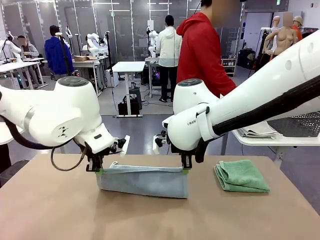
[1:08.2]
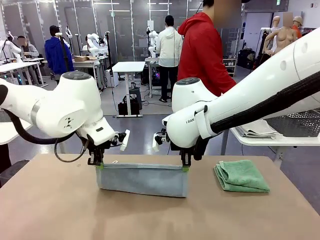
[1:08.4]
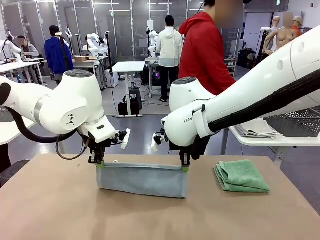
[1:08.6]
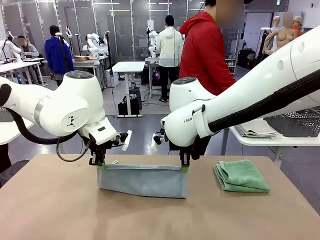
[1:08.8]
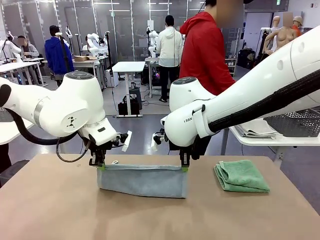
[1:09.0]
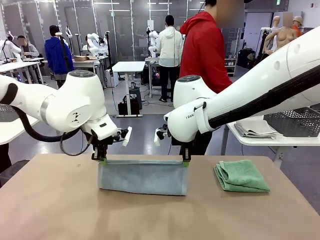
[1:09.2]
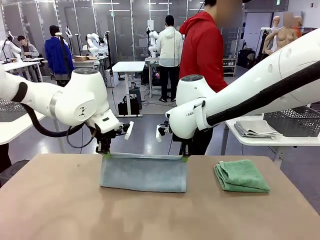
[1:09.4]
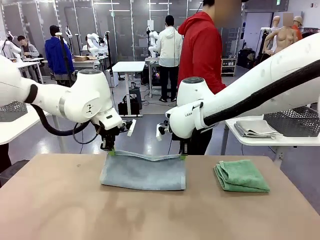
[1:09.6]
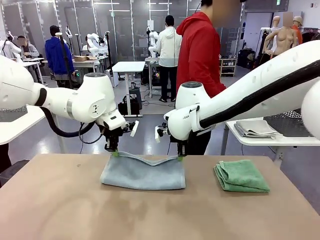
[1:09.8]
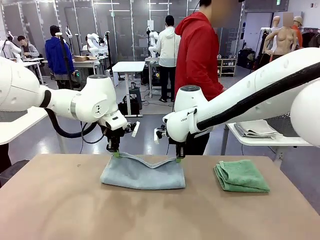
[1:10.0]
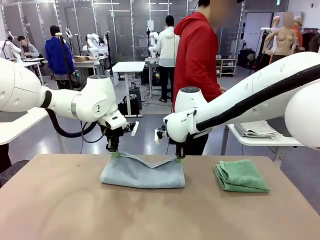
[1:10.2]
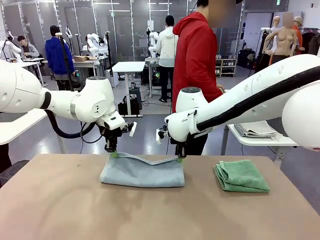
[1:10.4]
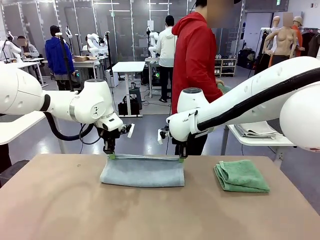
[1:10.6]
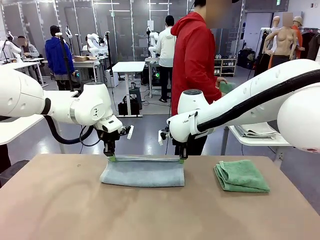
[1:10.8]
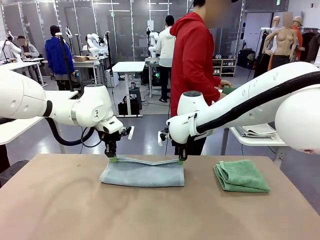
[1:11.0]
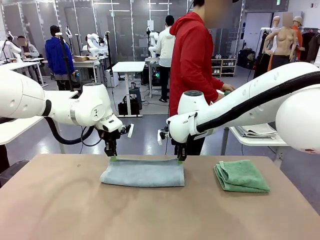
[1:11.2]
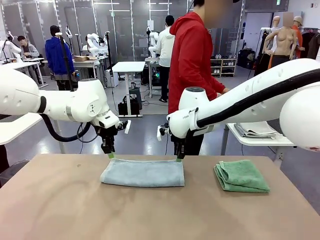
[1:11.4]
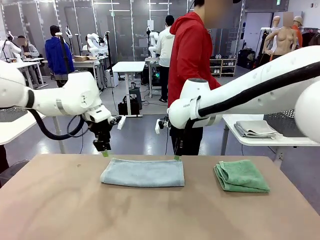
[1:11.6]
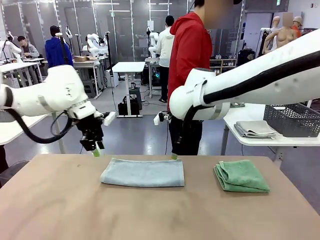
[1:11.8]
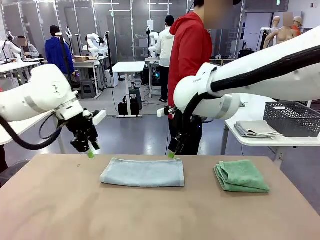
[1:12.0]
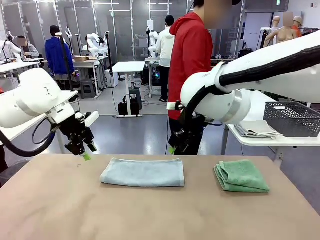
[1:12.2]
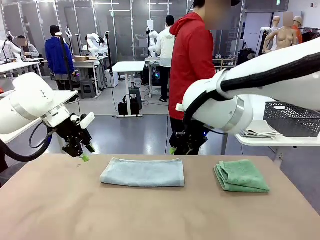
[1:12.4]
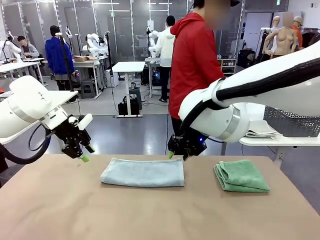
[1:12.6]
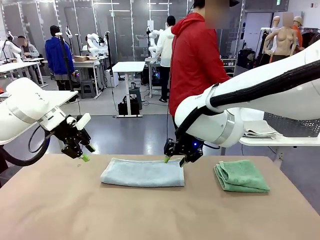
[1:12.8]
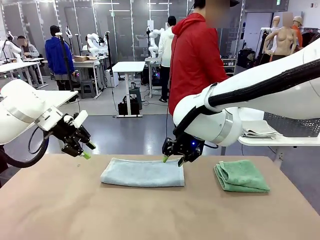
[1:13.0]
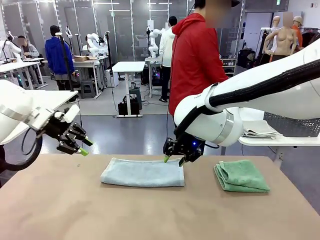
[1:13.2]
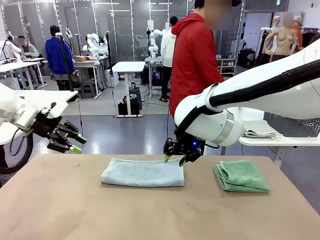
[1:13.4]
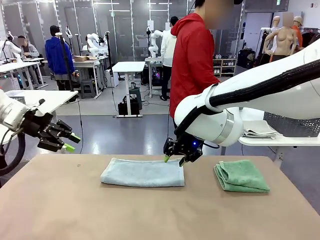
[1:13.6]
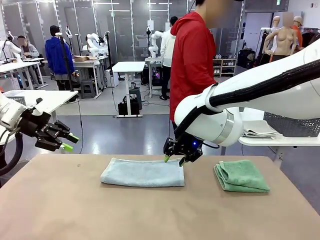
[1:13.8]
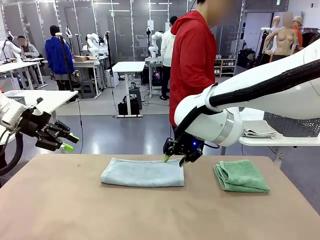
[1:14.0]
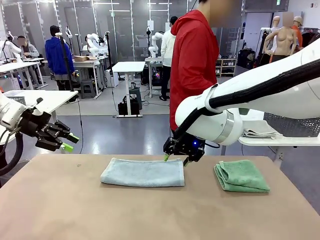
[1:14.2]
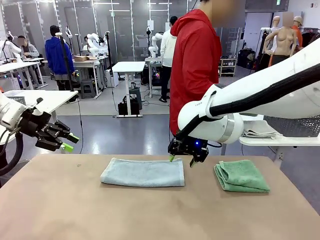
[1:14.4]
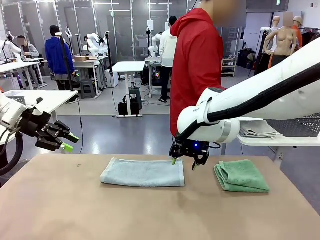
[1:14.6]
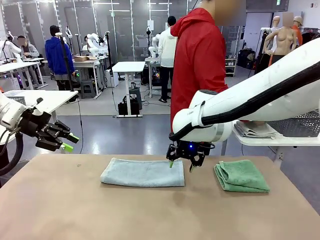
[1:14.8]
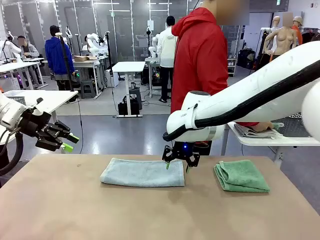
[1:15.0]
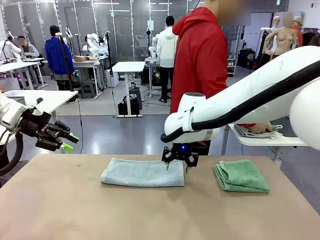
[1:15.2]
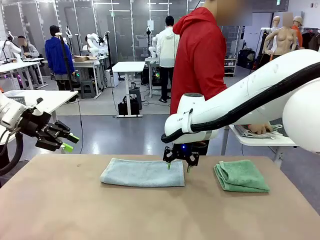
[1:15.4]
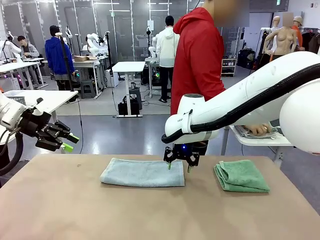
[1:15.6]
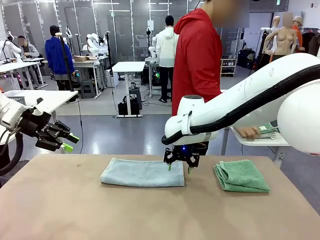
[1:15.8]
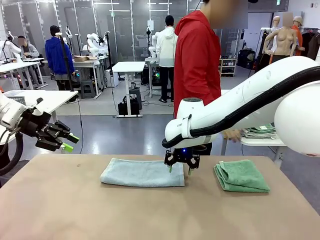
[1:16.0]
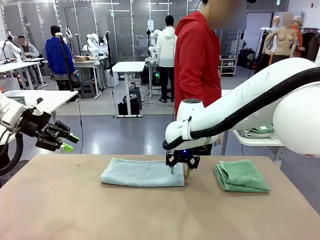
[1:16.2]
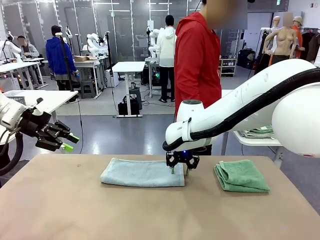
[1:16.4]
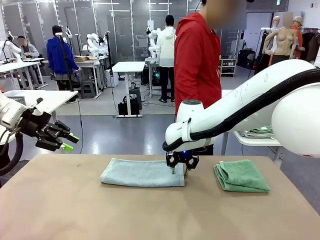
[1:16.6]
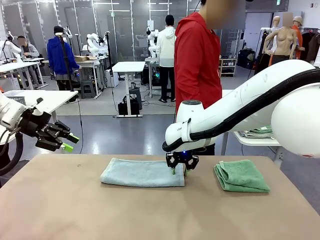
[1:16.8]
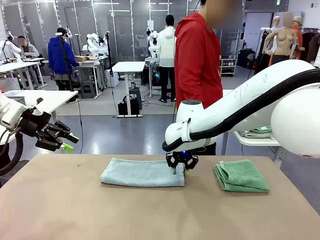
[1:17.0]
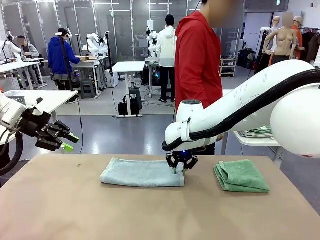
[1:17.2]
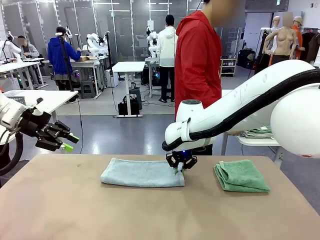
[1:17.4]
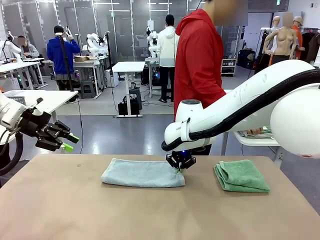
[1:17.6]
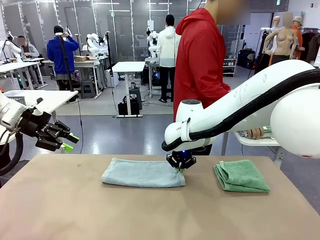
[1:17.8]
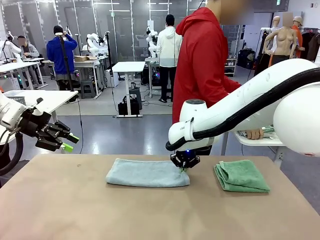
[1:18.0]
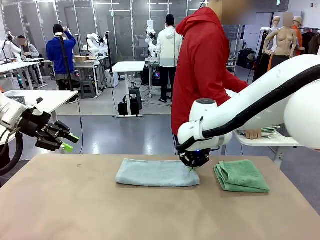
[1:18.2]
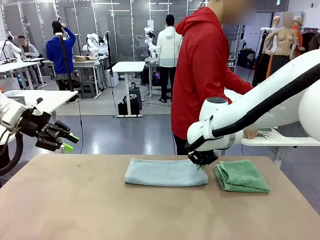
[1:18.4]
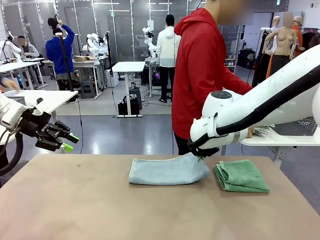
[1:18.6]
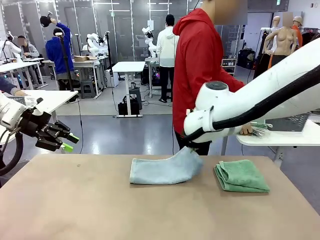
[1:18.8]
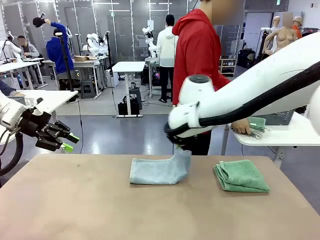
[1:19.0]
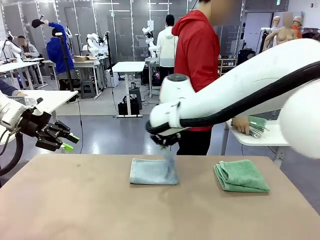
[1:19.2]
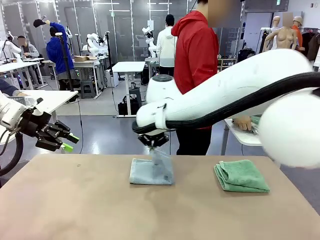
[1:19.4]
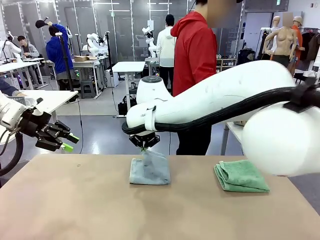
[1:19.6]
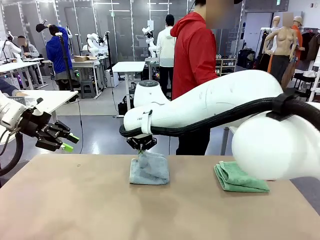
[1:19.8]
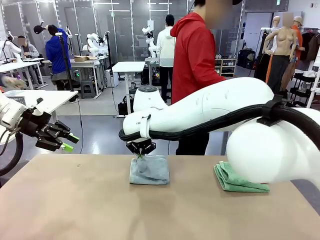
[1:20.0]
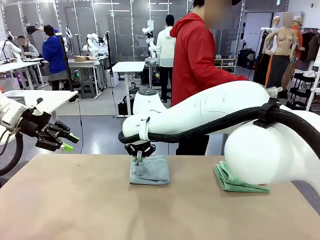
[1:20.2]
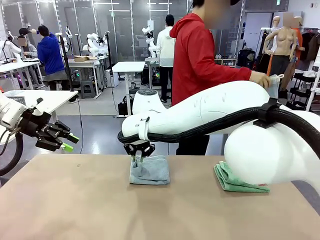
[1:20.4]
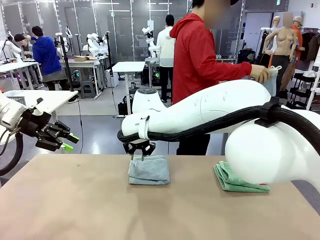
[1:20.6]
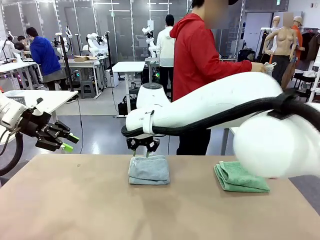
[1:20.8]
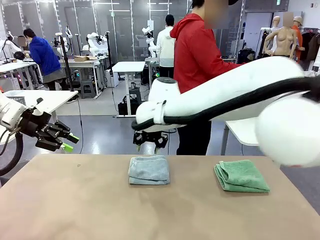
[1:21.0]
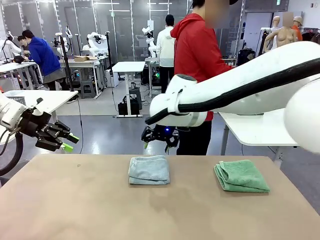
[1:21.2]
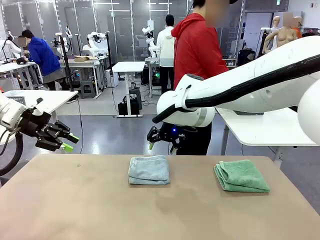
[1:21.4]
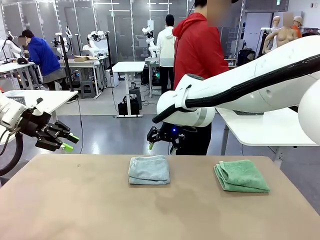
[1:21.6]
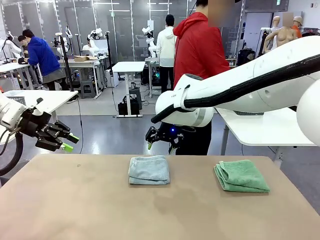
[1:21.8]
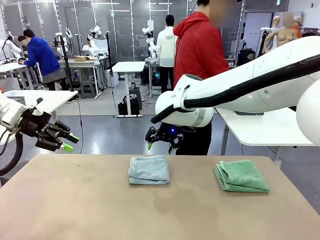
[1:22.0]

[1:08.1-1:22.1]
Task: Fold the towels and place them in the basket.
Robot: When a person lays out a Towel with hook on the table, fold it in half twice.
Person: Pick up the stack of towels from the right side of the human table, place it into the basket, and put the basket at the center of the table.

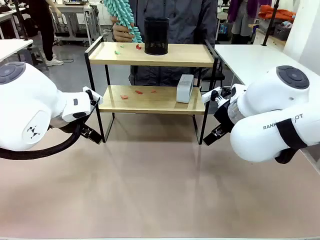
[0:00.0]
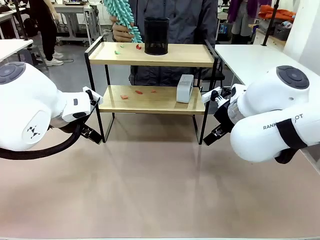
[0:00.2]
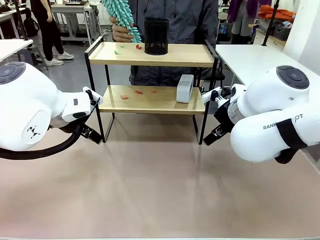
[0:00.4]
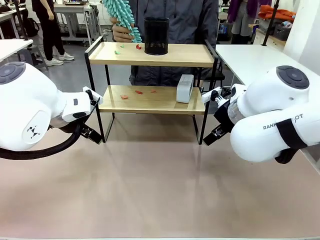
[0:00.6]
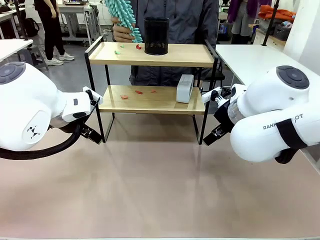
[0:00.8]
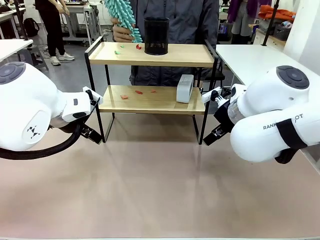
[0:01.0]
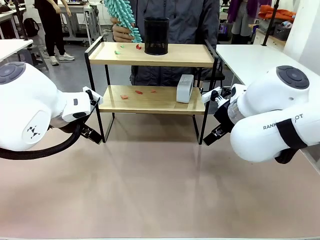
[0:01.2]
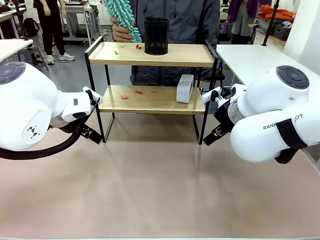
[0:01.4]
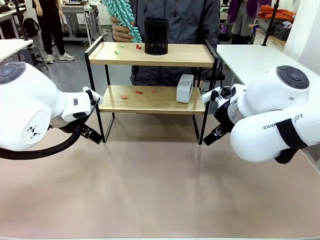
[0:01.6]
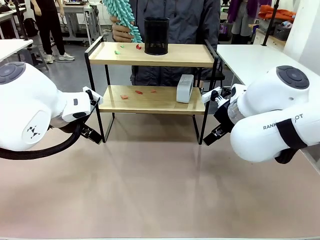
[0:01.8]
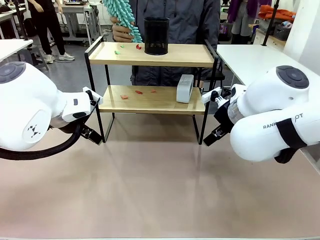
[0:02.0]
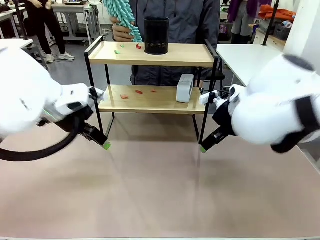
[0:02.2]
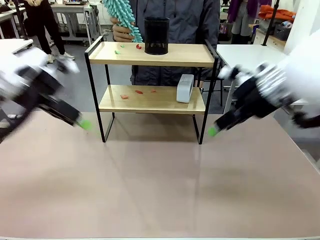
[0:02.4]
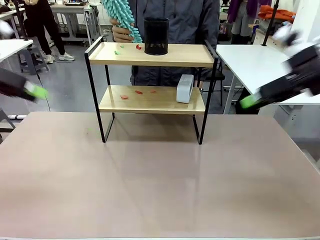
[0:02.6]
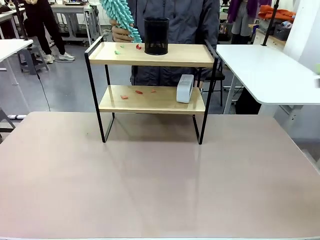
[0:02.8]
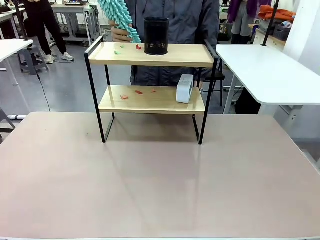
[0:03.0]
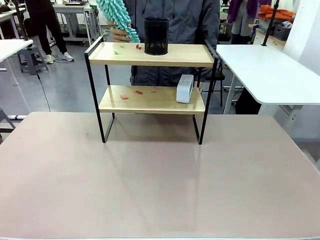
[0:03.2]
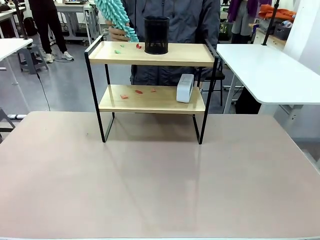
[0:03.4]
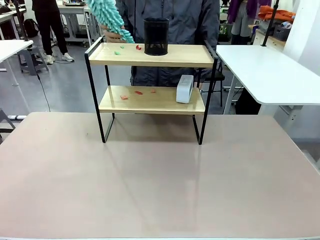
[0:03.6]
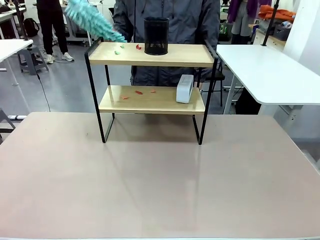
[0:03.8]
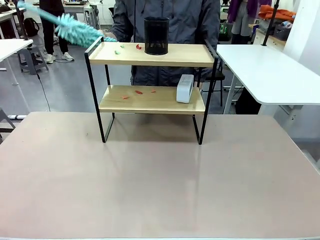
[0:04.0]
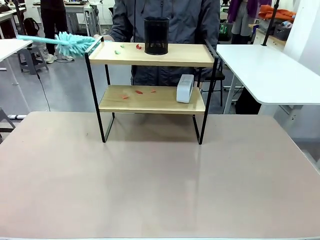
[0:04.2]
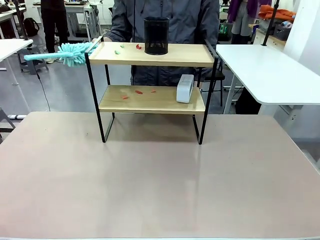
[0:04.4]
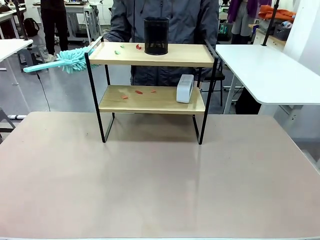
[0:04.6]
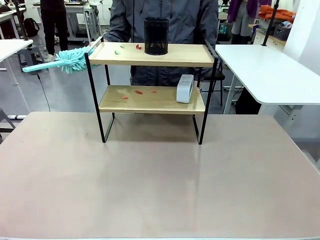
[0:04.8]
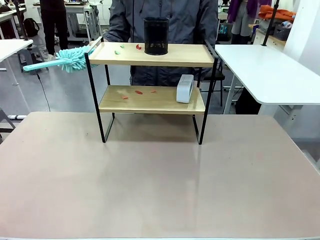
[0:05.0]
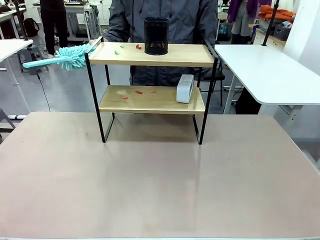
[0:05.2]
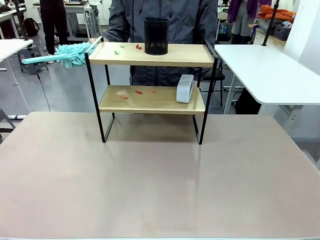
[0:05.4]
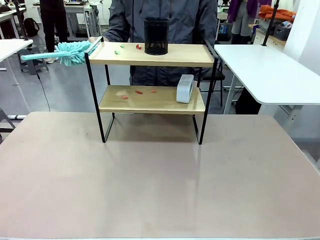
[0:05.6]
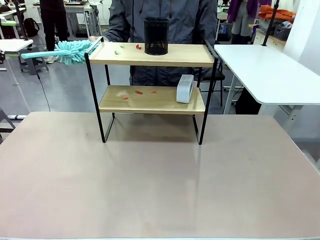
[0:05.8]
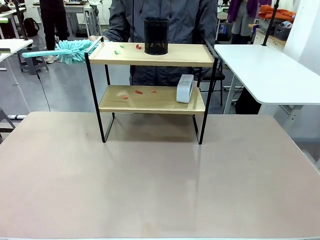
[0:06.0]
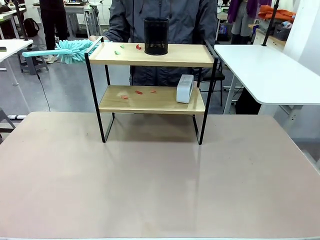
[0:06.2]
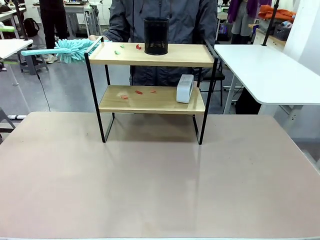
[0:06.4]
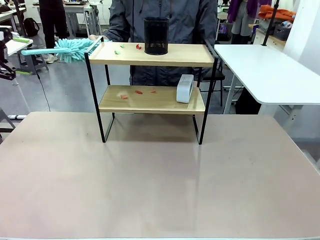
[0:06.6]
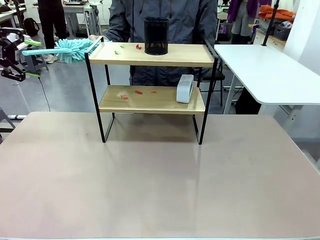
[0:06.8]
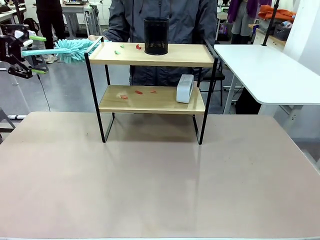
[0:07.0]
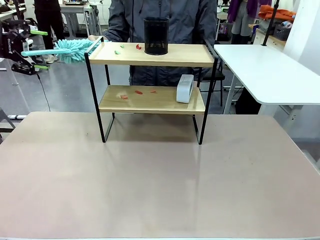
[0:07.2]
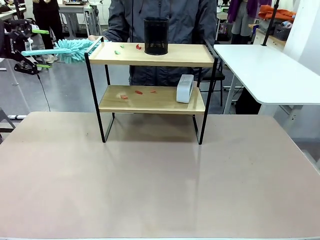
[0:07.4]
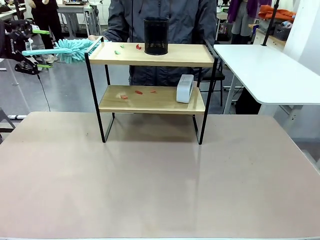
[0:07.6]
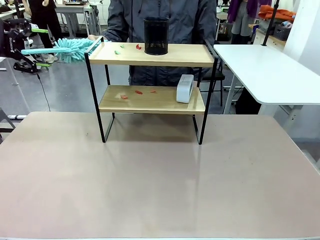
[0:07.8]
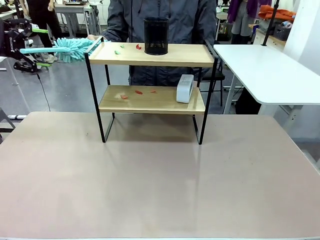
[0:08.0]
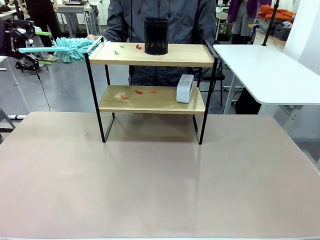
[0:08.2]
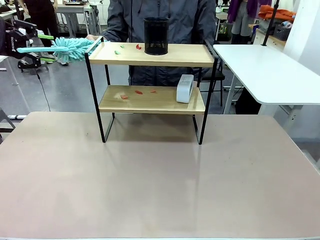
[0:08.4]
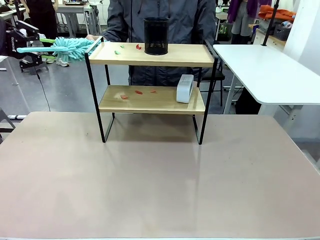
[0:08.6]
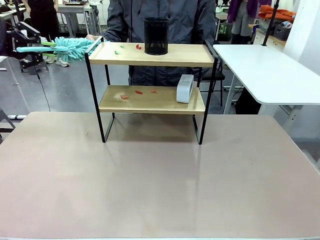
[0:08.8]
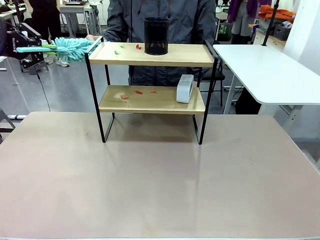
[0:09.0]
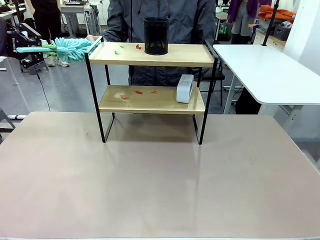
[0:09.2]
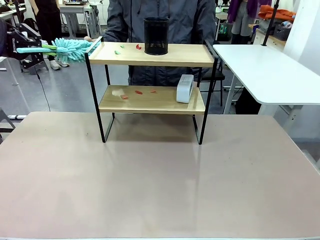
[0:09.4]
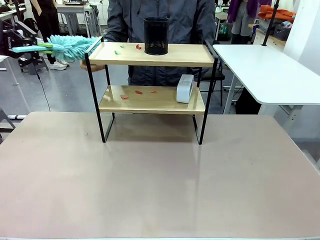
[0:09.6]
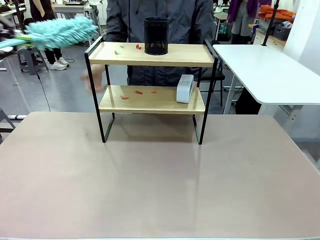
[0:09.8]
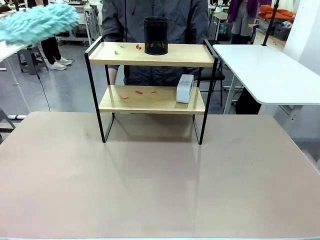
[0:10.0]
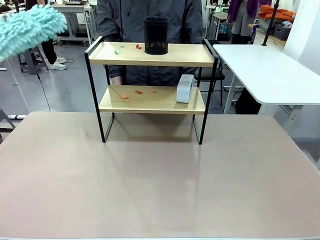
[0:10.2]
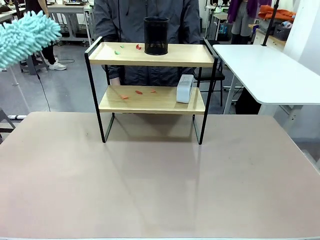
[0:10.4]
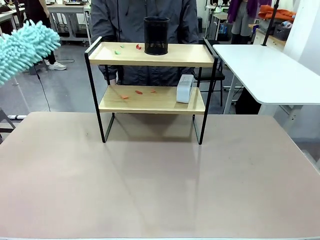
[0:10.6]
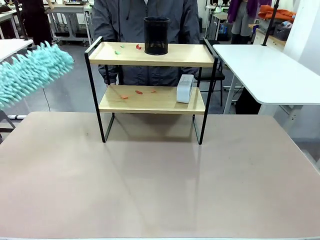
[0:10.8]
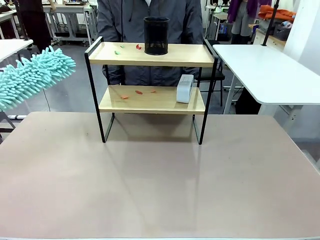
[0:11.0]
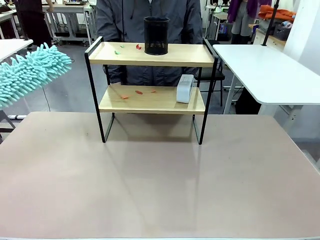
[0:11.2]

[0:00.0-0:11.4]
Task: Clean the shelf.
Robot: Pick up the Duster from the human.
Person: Hand the Duster to the robot.
